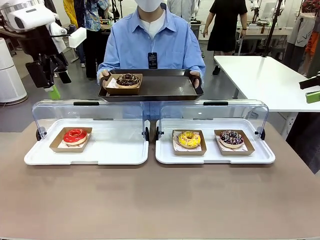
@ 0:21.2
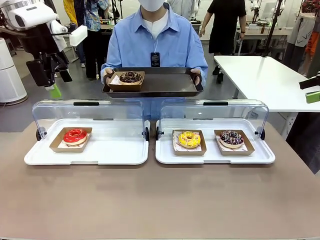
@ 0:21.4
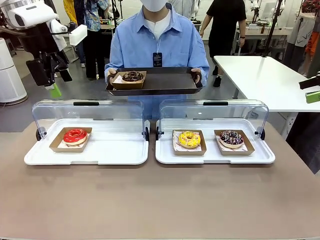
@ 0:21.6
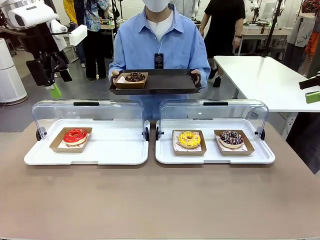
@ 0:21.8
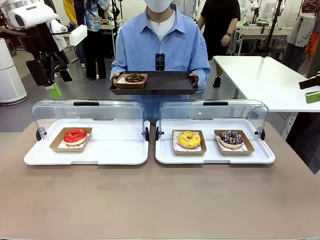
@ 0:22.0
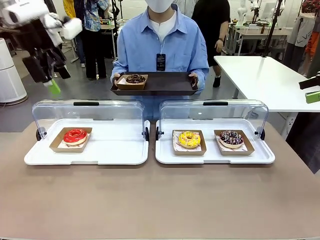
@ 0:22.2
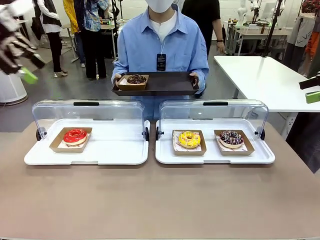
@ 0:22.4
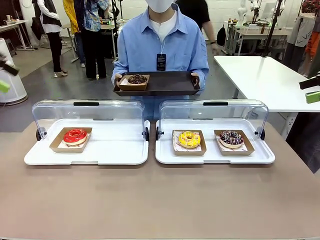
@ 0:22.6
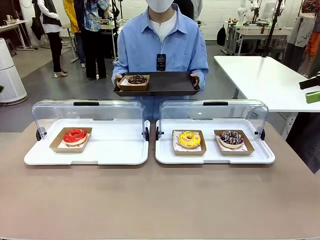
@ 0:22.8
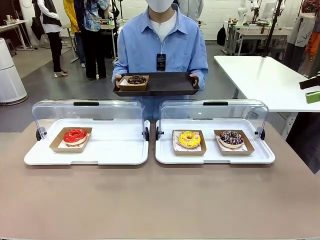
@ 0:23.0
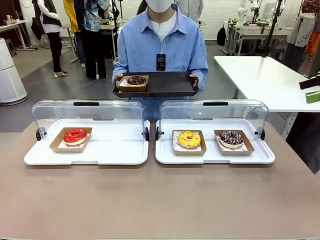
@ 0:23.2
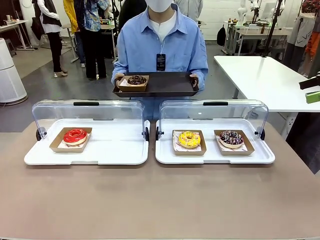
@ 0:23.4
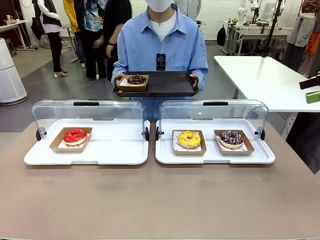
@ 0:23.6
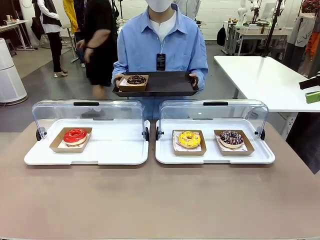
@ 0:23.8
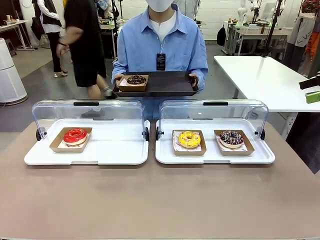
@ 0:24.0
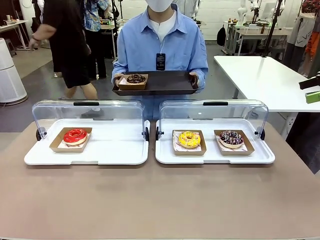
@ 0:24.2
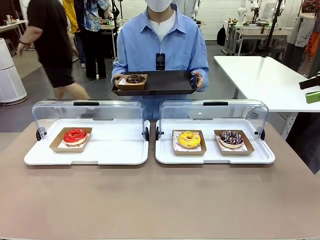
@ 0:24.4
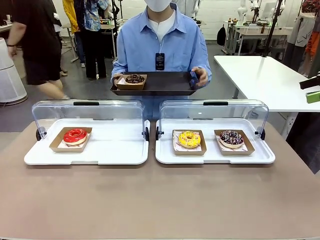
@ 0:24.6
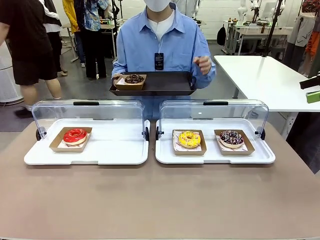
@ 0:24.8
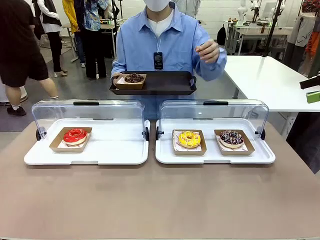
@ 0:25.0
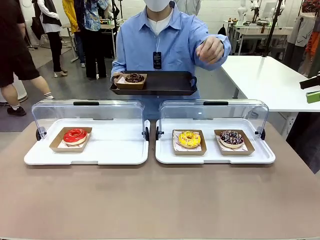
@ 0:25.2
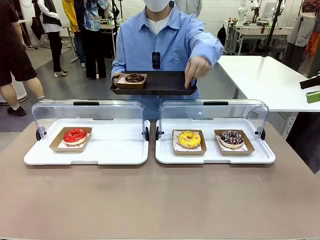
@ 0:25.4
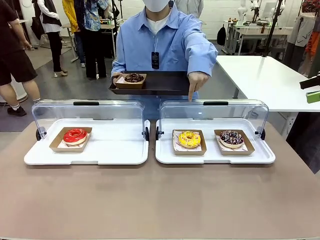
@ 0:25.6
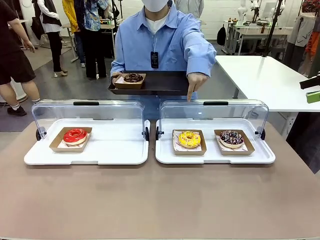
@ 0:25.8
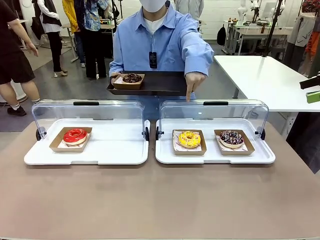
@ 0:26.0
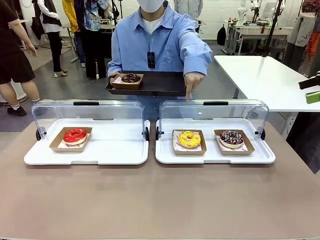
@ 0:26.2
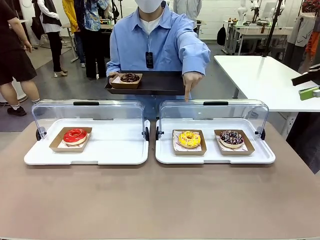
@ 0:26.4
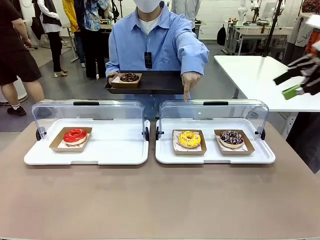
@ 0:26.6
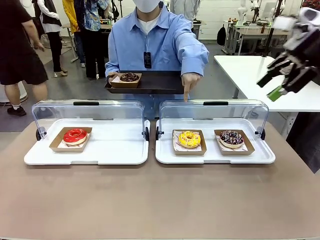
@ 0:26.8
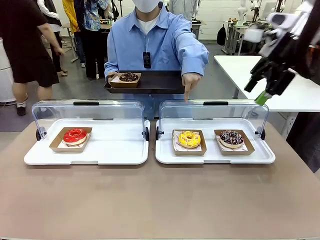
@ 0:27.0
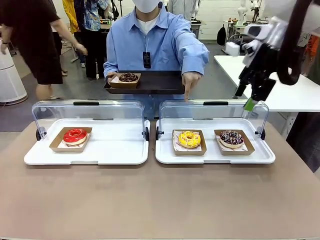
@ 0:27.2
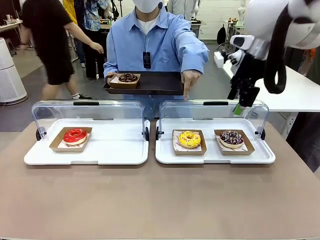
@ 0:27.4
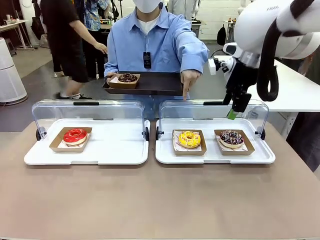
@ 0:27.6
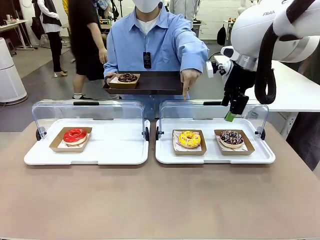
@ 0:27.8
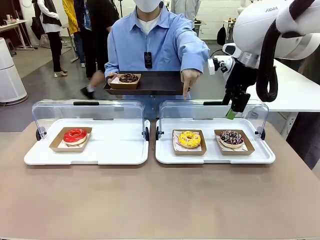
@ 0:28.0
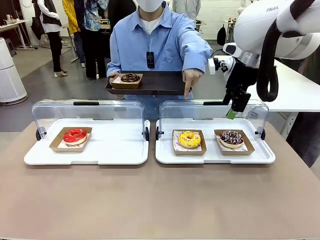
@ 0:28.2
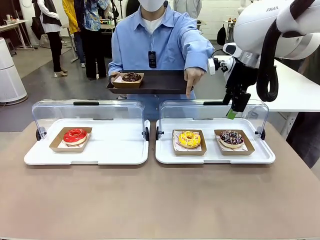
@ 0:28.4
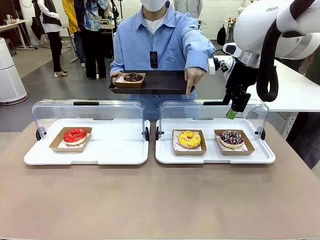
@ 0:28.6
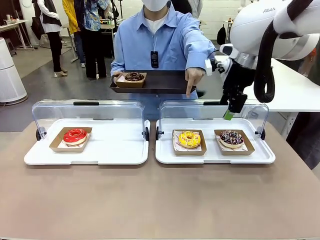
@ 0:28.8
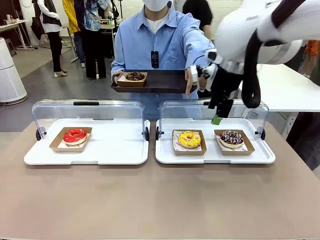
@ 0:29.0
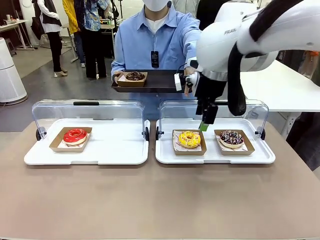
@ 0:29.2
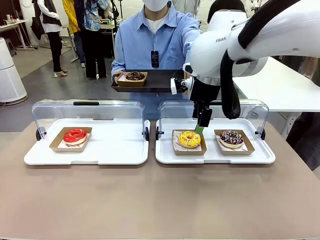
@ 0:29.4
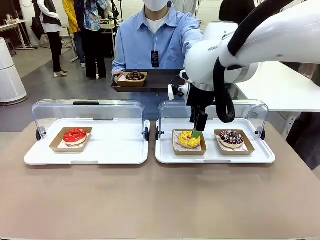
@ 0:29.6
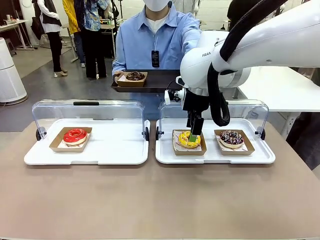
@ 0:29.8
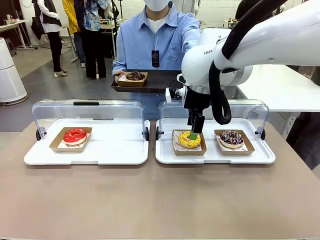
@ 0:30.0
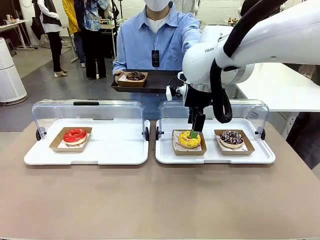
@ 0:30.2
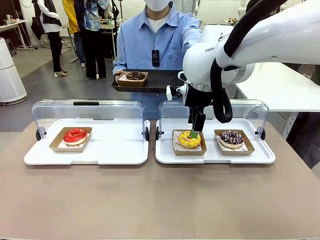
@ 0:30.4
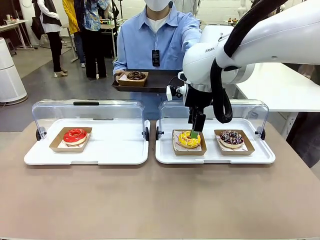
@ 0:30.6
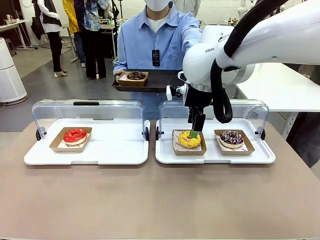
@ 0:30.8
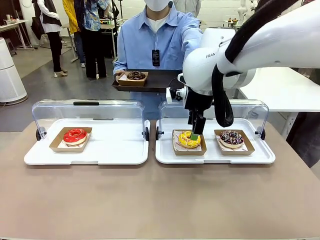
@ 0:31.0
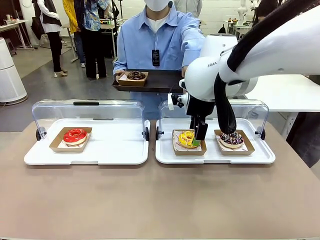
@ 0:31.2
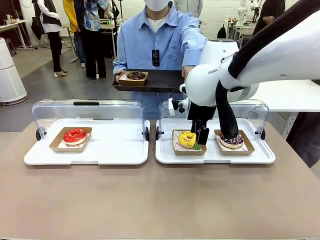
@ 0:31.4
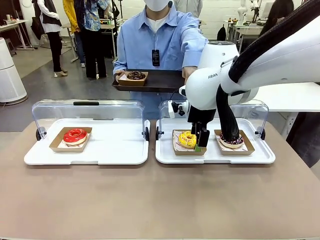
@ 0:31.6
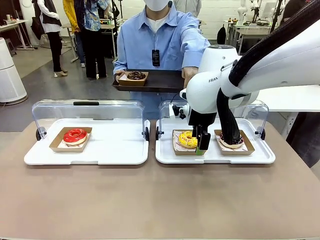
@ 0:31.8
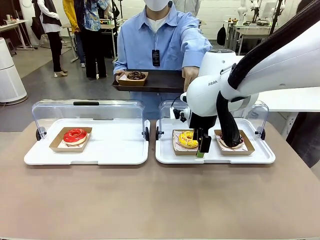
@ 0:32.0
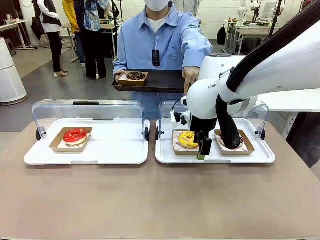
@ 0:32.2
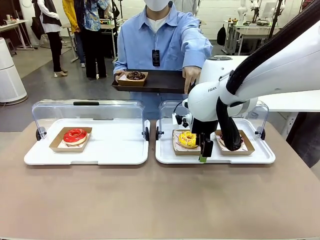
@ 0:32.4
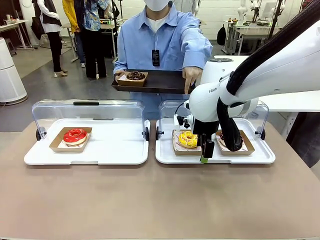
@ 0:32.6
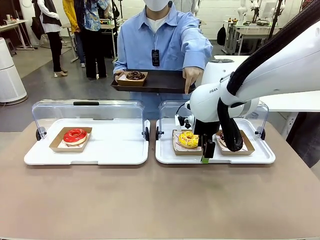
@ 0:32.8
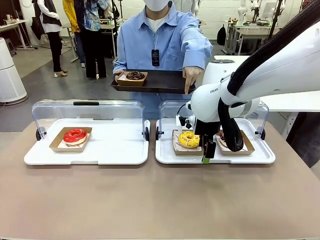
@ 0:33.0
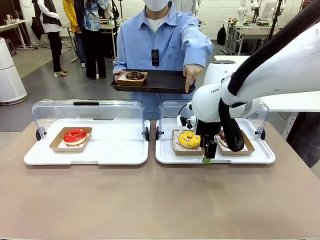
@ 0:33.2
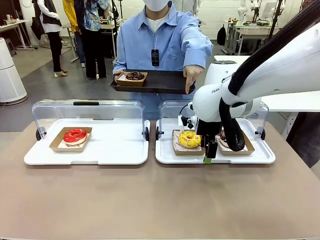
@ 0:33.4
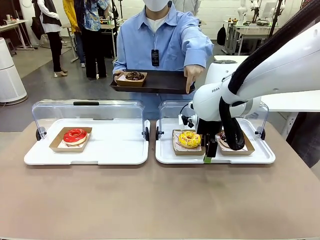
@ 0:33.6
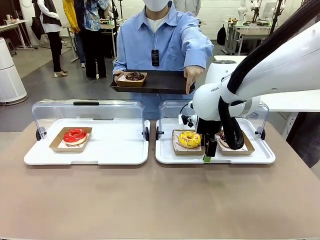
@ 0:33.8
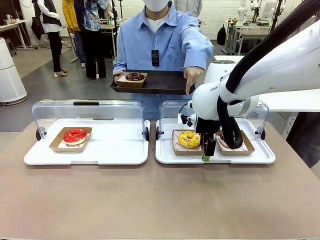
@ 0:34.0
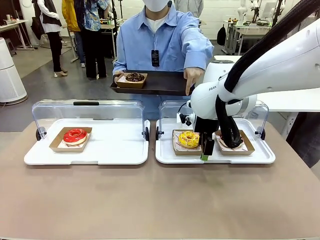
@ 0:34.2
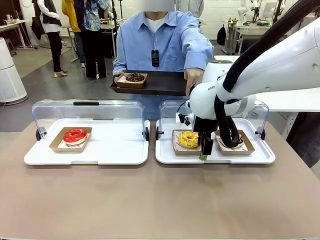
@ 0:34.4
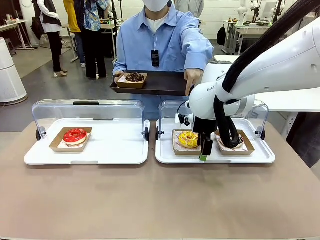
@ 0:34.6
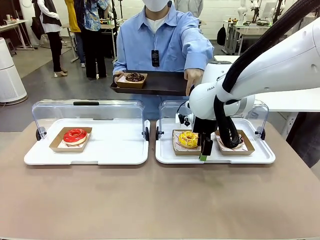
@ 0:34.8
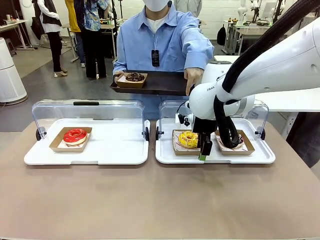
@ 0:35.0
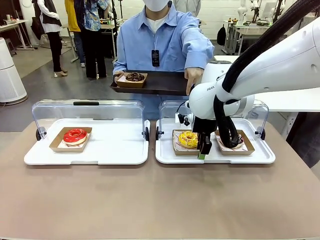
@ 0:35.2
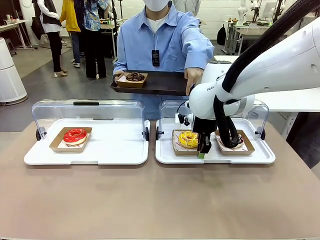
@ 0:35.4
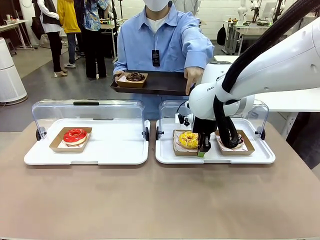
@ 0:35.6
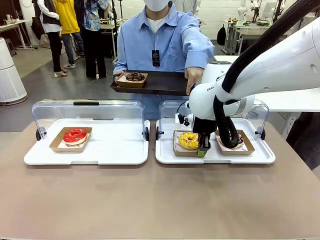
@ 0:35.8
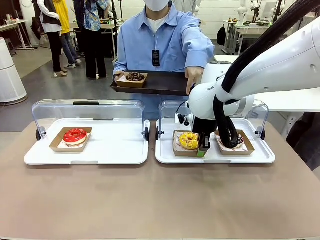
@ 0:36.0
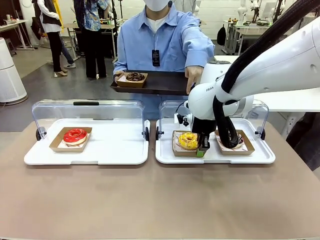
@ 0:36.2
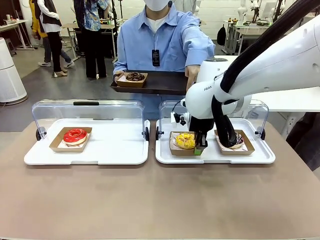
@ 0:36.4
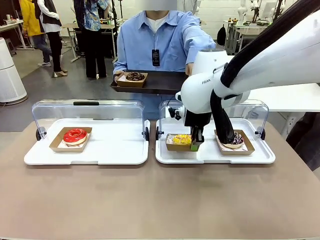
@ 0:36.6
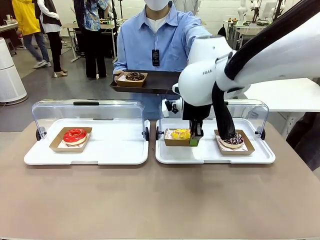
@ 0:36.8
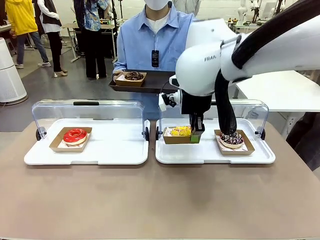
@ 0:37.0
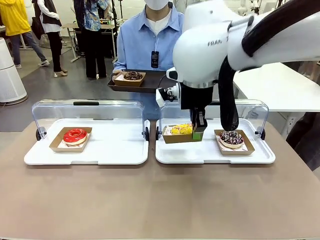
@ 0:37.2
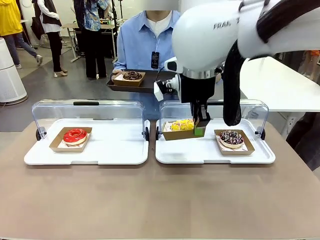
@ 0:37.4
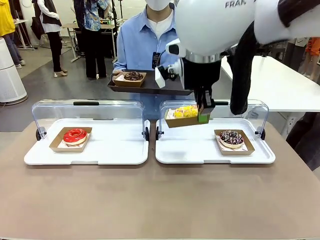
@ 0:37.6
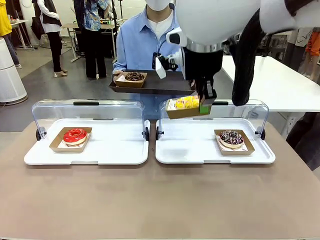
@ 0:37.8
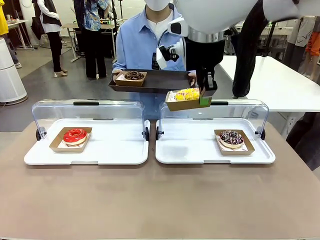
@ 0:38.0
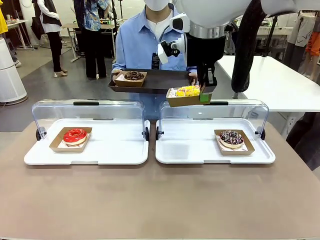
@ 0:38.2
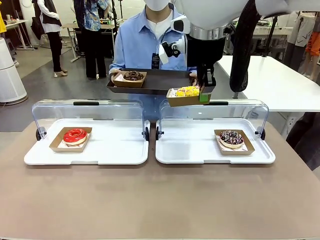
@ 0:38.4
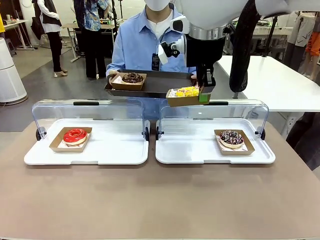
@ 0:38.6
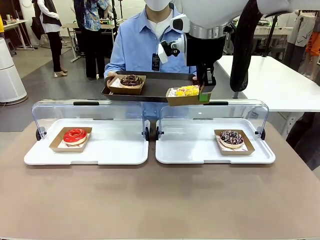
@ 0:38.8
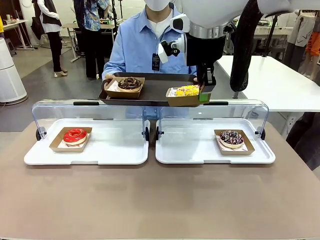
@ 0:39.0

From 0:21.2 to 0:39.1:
Task: Provide the desired donut to the person.
Robot: Pick up and lift the Paper togo box containing the Donut pointed at by the person.
Person: Point to one donut. Lift the tray onto the Roll-Top Bakery Case.
